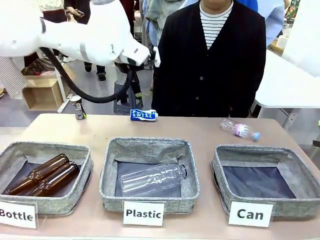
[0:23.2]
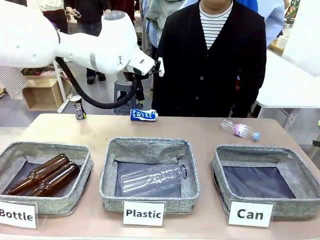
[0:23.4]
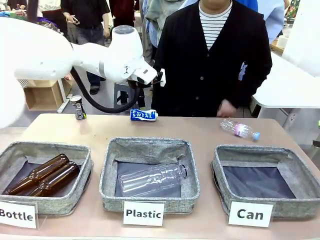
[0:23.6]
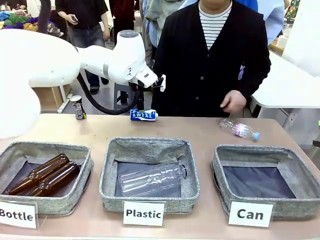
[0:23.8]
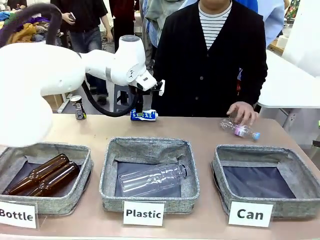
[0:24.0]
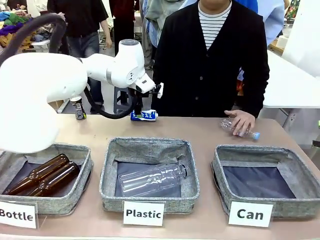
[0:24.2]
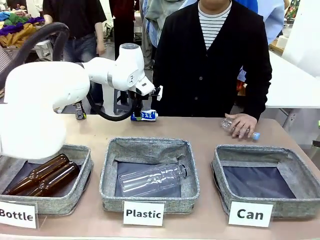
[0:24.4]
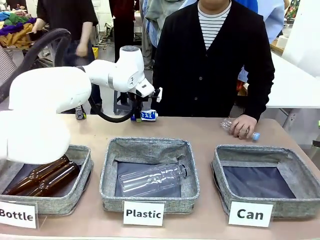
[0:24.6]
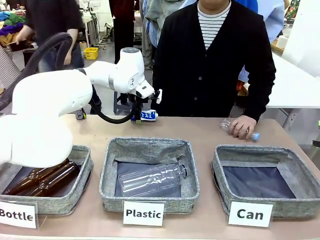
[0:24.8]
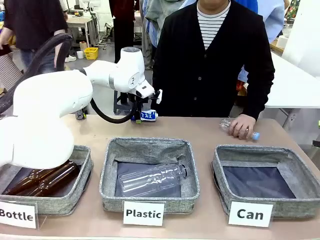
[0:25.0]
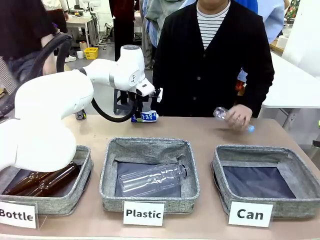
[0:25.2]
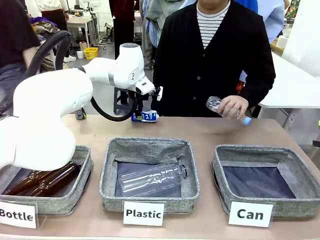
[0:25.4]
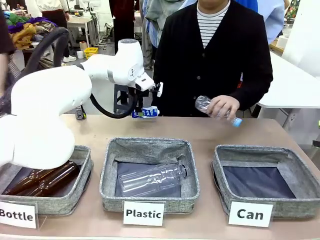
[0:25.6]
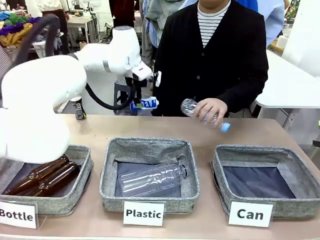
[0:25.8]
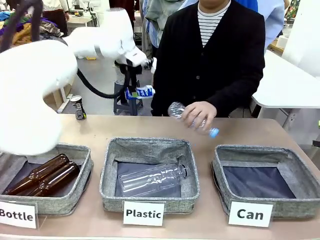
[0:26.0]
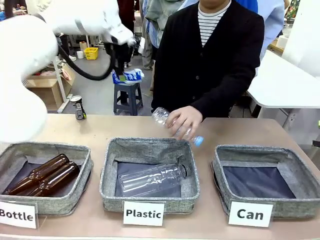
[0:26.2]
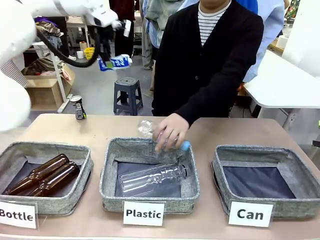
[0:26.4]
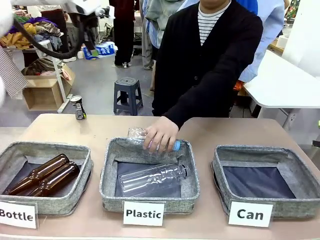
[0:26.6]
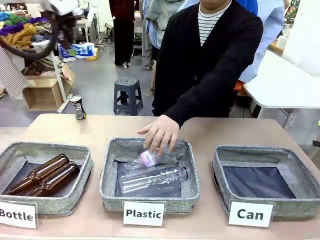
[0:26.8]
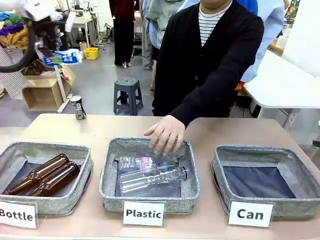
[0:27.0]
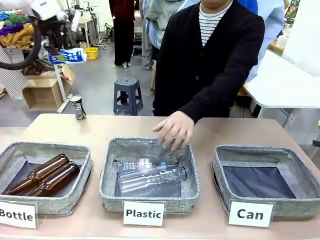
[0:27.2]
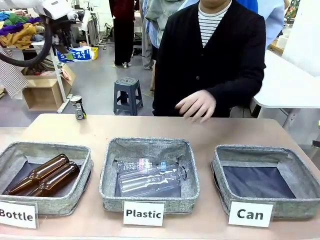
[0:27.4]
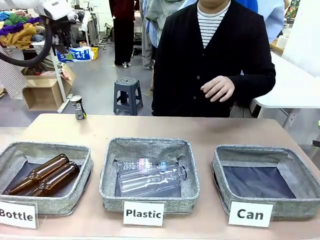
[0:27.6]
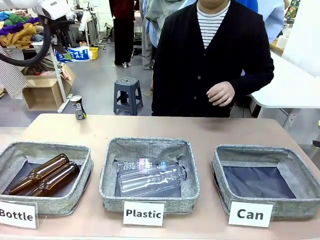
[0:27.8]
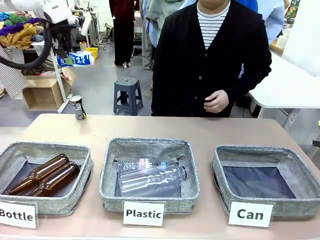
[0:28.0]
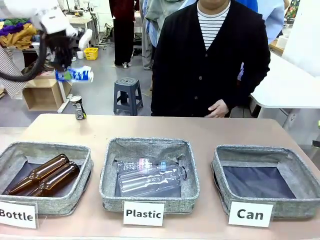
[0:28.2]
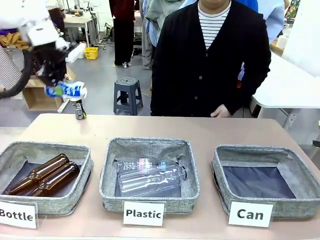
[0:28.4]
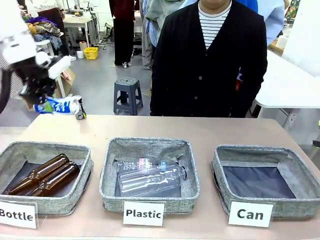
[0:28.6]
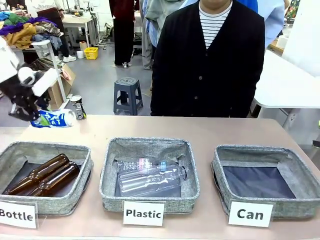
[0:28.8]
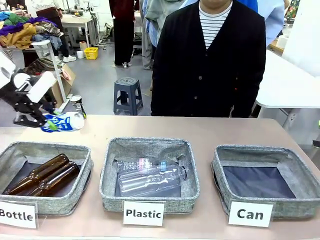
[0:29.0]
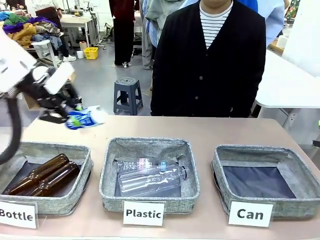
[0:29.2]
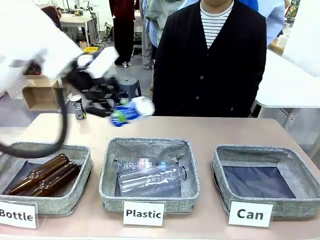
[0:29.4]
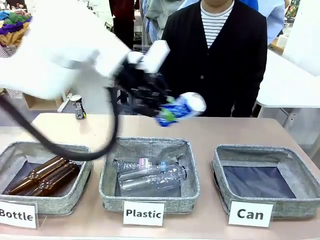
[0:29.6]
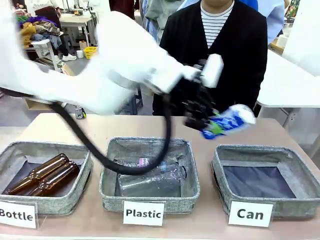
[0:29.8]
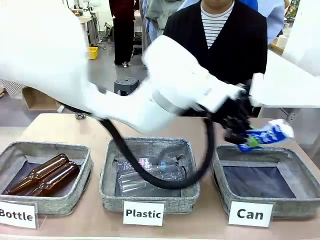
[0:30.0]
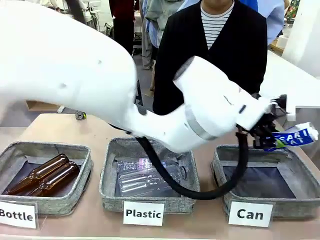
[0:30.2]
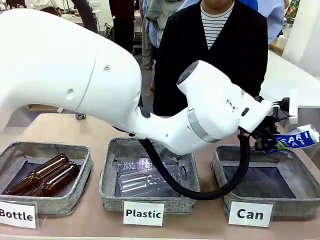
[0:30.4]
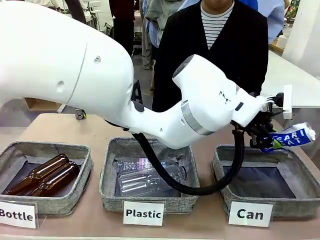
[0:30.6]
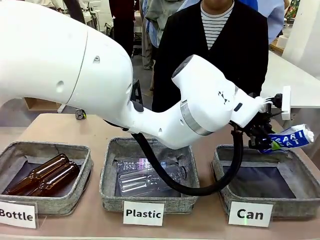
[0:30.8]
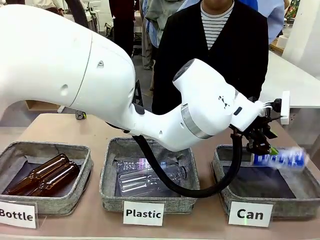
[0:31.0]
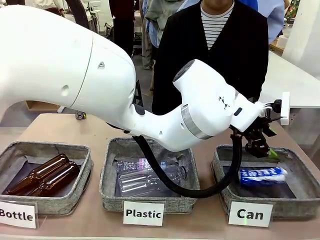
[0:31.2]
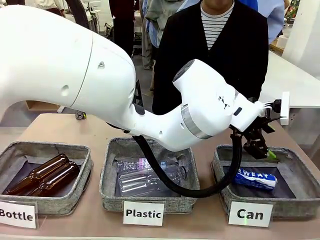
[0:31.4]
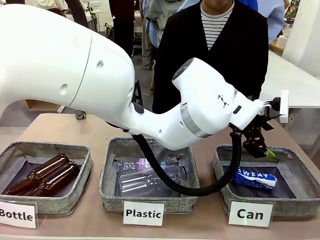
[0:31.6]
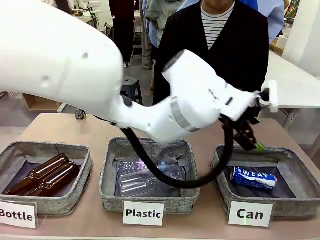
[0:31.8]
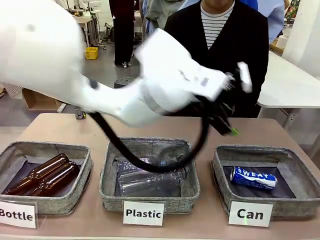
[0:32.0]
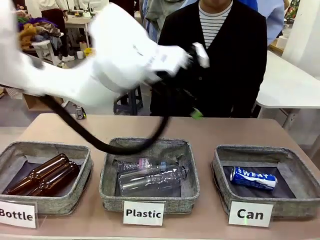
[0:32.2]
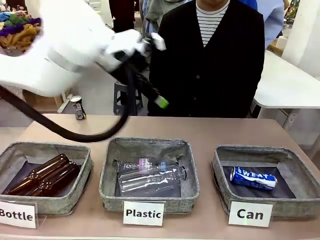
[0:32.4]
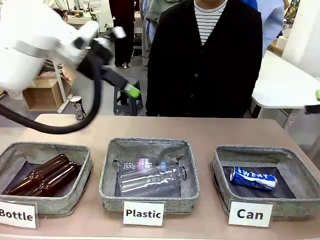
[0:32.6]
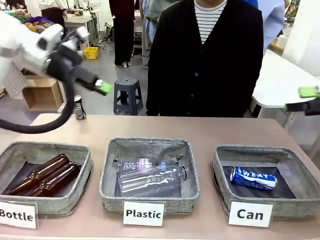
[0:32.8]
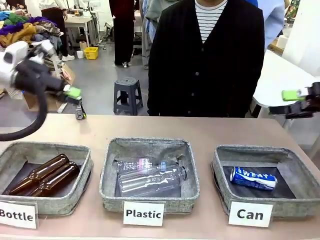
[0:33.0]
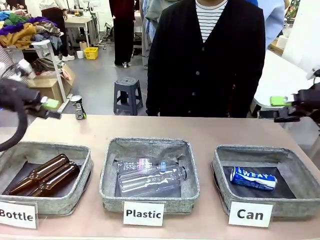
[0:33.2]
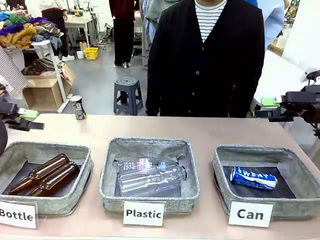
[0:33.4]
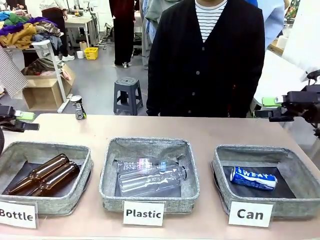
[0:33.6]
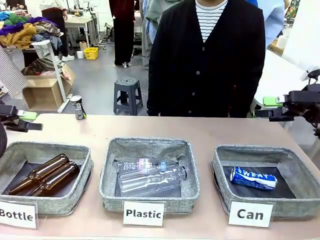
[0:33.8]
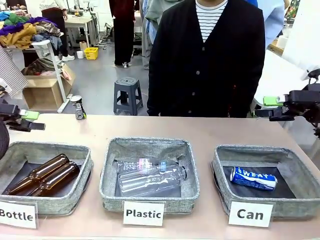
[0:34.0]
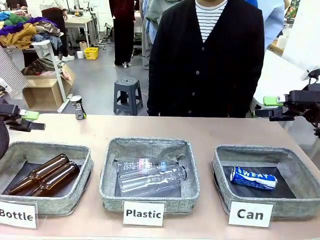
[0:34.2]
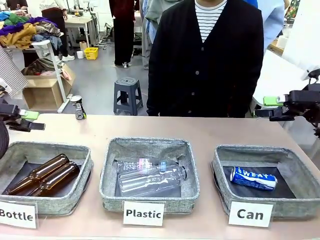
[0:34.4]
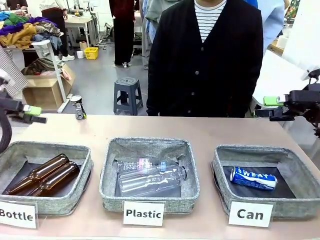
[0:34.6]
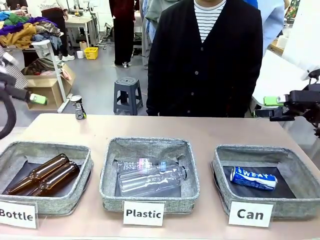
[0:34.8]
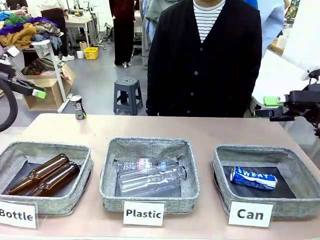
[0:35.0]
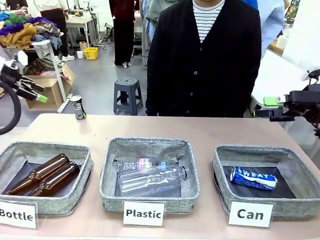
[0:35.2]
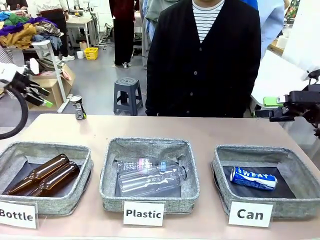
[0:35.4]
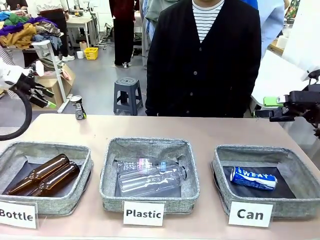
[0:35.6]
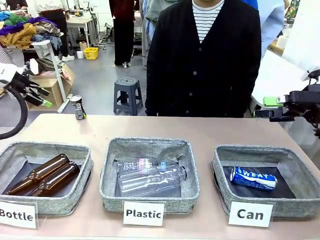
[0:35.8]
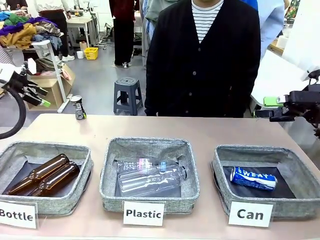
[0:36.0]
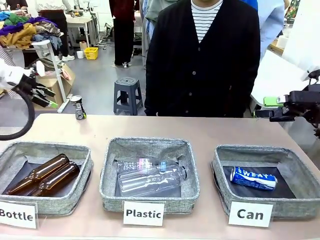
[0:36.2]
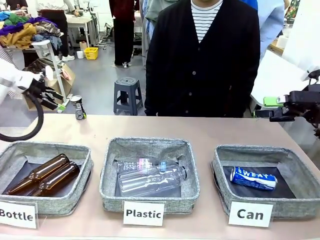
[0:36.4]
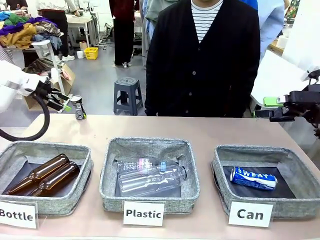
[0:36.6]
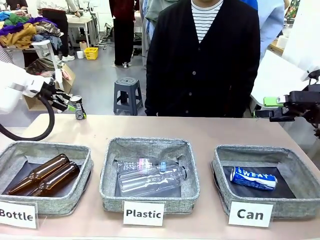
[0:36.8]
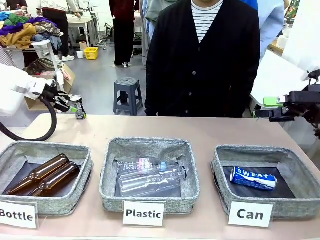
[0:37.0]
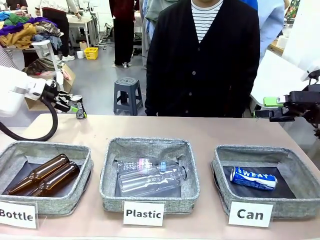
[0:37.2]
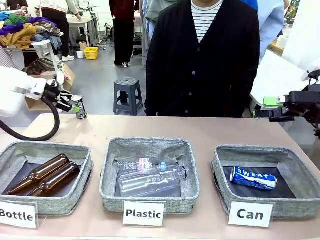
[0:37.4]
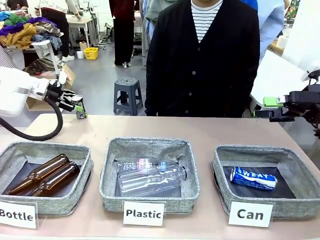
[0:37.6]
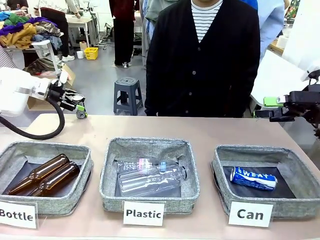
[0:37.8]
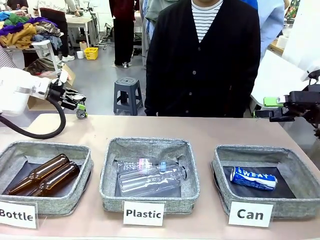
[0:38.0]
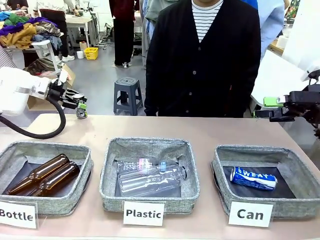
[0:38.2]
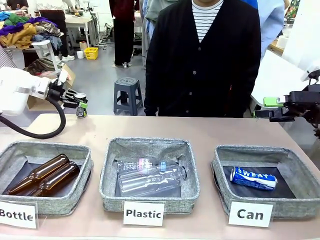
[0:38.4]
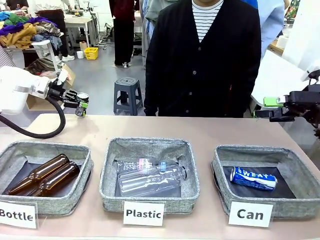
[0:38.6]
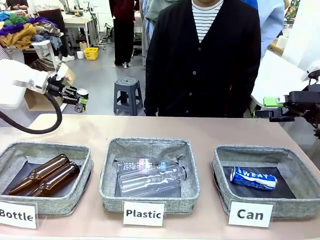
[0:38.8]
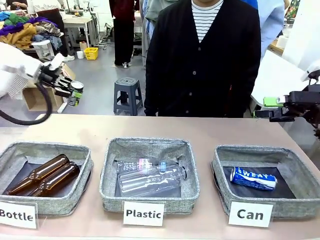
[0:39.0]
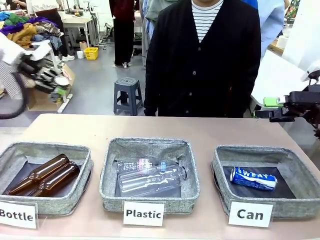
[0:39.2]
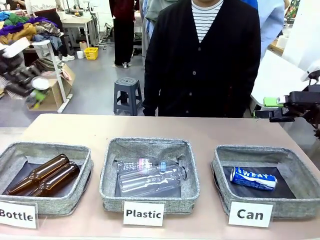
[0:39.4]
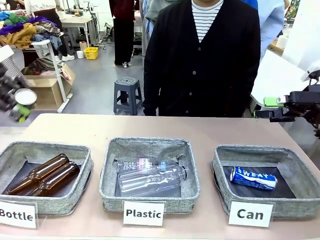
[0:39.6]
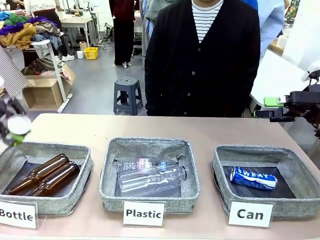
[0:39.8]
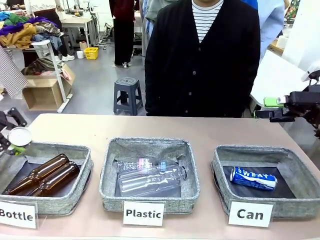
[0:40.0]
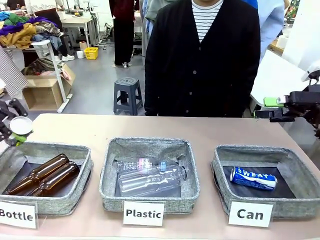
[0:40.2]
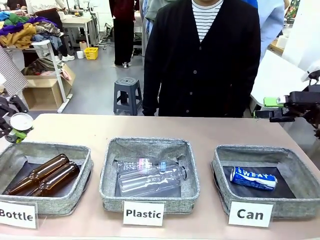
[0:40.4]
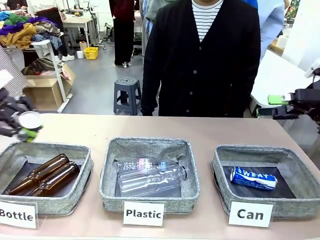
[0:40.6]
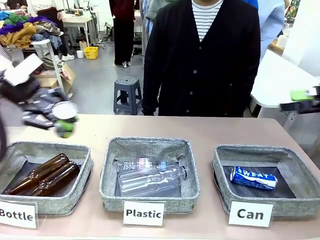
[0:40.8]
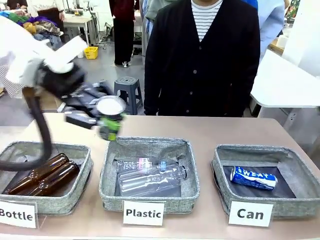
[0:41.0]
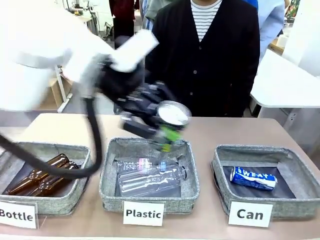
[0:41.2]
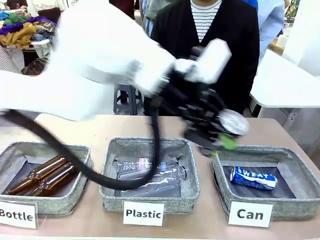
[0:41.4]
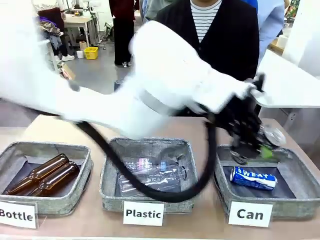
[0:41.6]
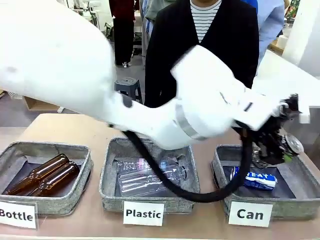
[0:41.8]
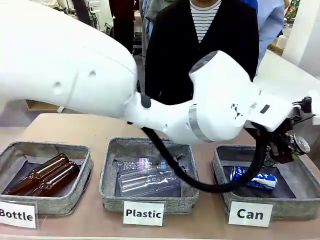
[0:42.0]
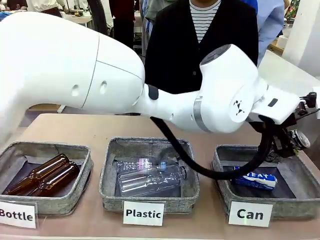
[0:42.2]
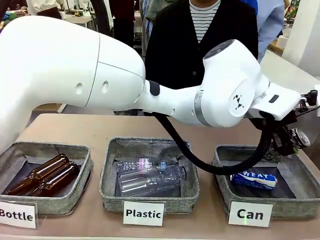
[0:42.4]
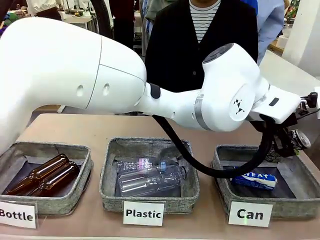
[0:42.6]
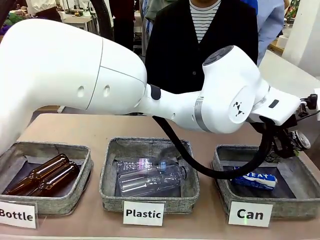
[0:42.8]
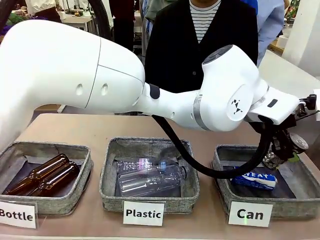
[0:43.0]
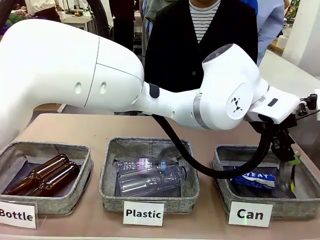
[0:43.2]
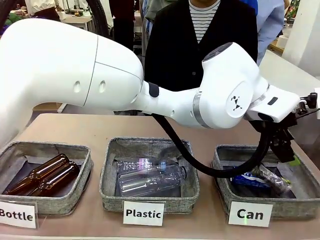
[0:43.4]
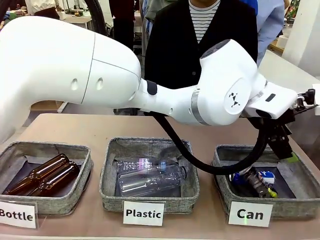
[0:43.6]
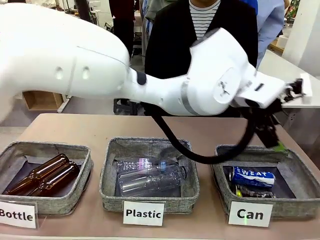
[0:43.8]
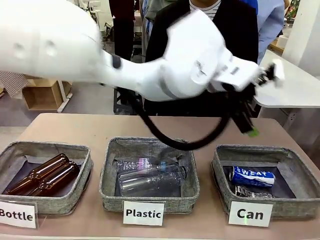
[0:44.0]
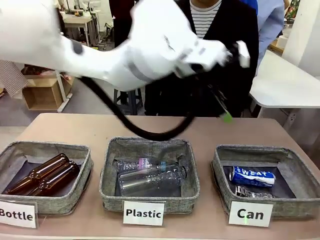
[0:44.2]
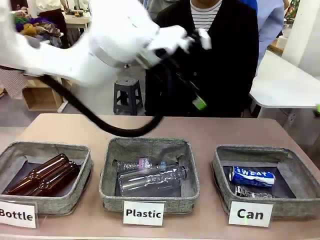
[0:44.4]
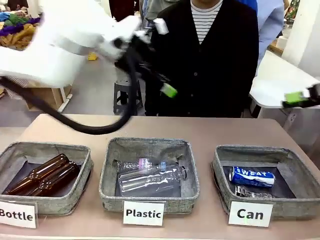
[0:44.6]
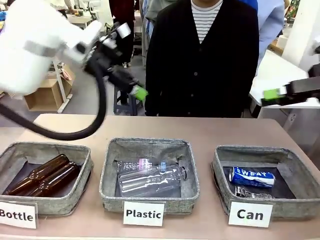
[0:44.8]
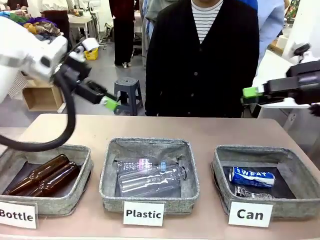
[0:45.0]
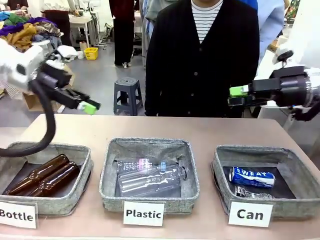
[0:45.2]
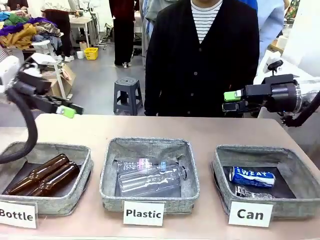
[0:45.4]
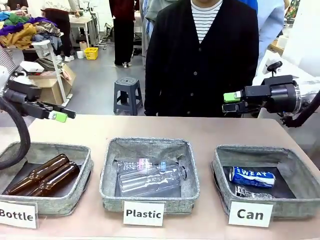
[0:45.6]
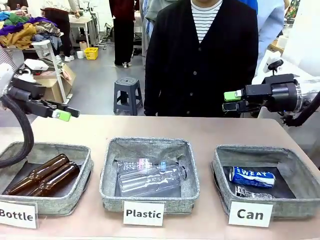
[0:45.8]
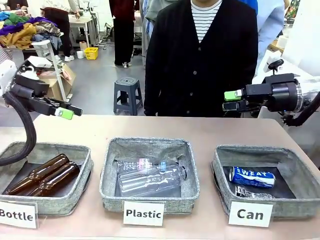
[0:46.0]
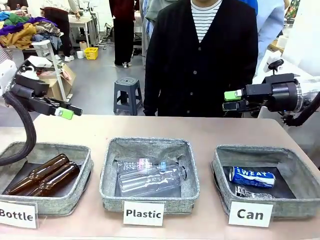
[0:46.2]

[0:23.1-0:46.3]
Task: Sort the can waste into the basket.
Robot: Pick up the can waste from the table and place it in the right Fabric basket.
Person: The human picks up one piece of trash that is not a can and places the trash into the appropriate organizing basket.
